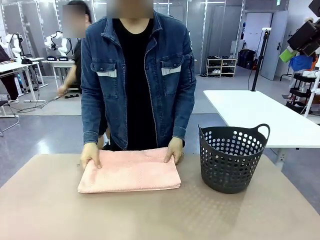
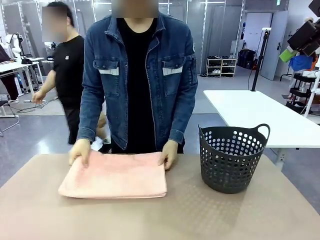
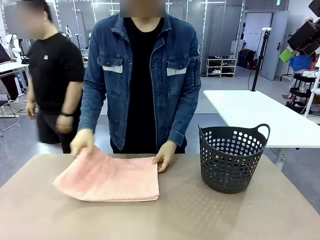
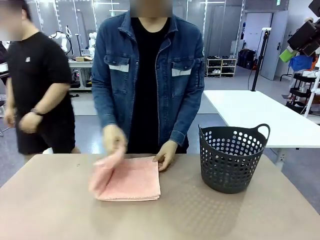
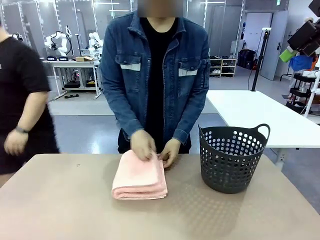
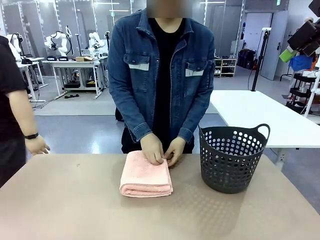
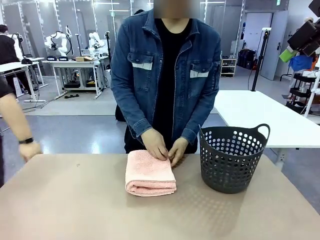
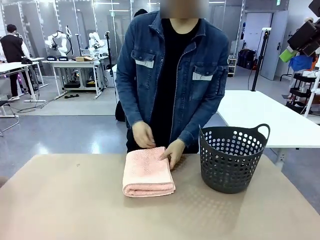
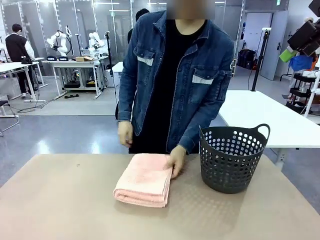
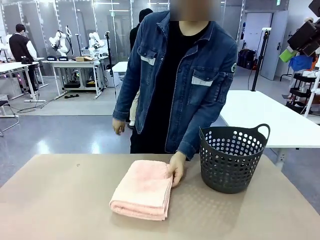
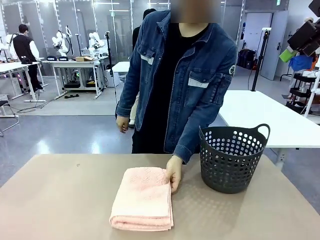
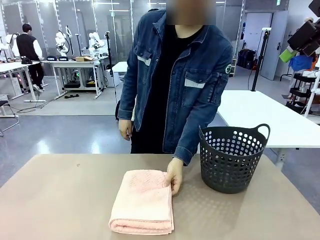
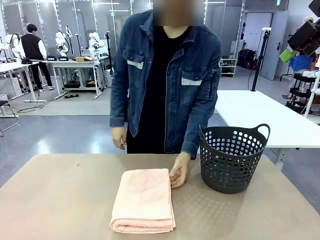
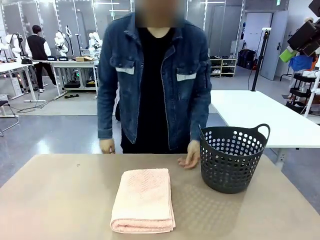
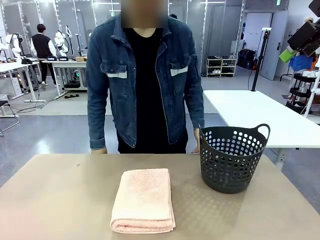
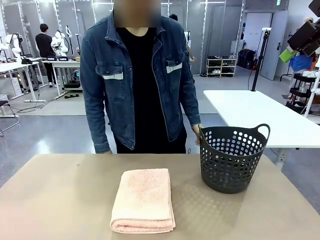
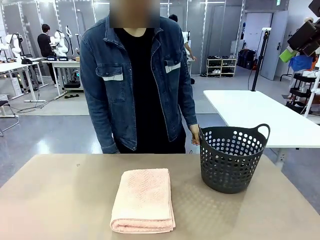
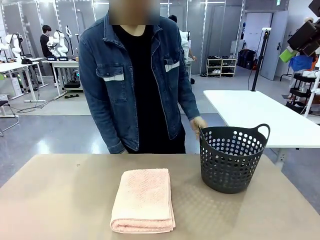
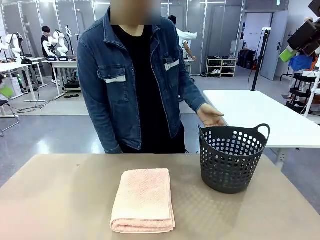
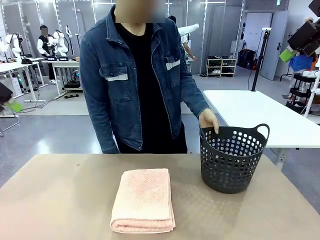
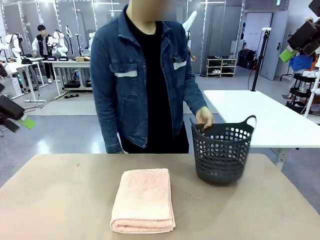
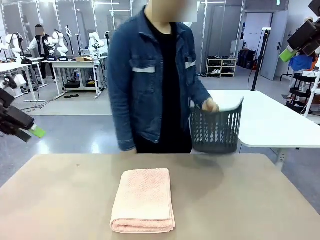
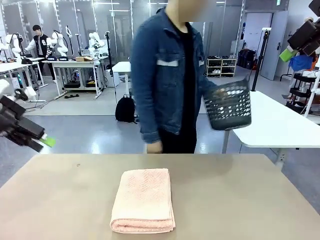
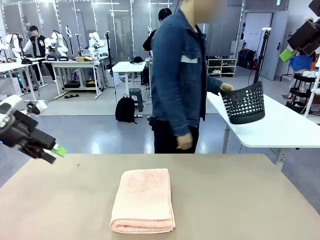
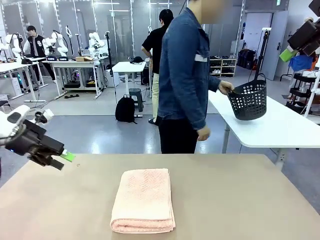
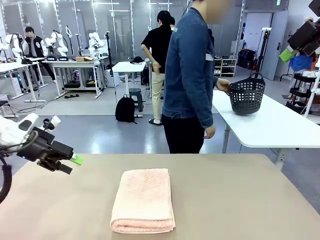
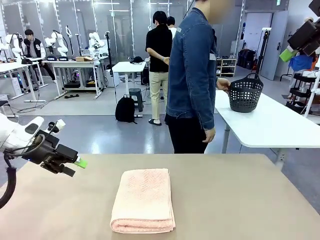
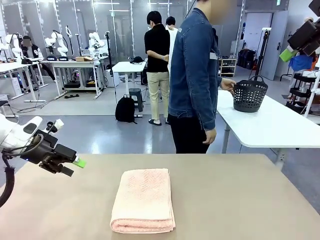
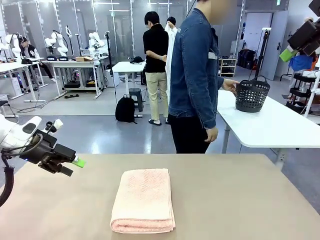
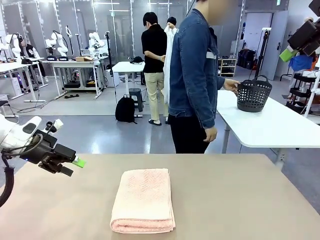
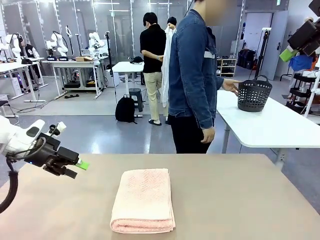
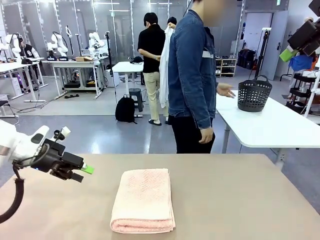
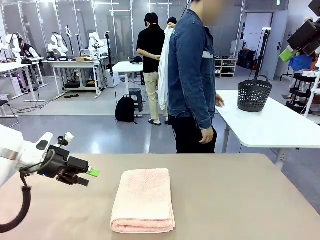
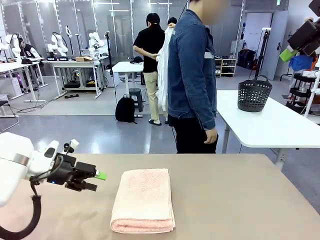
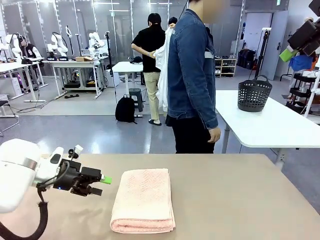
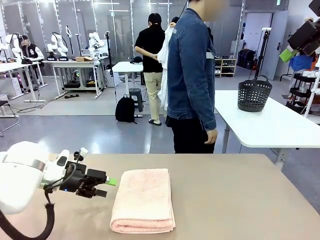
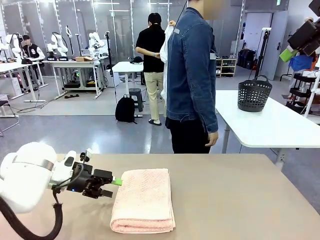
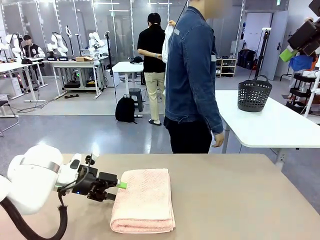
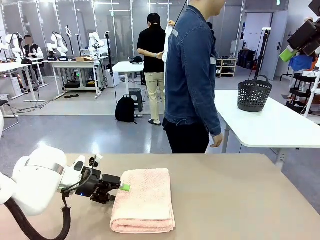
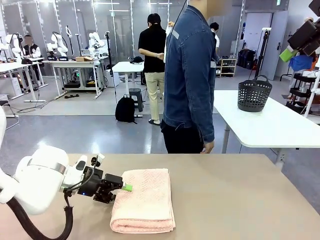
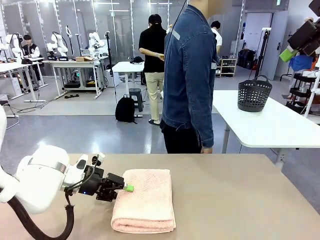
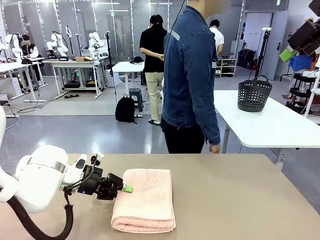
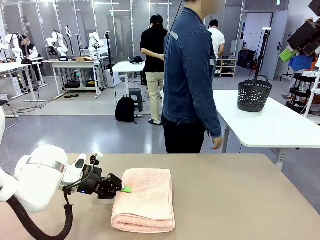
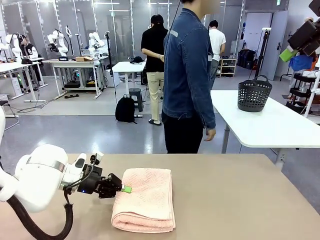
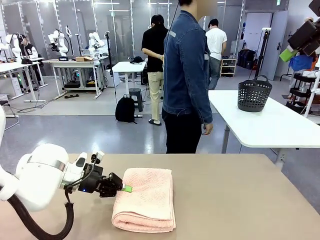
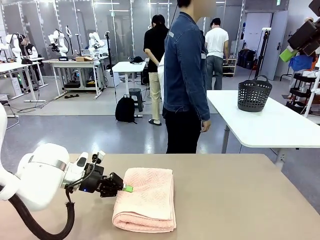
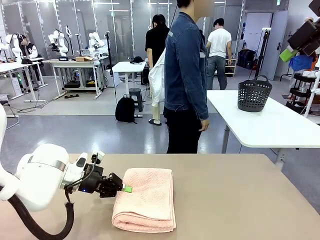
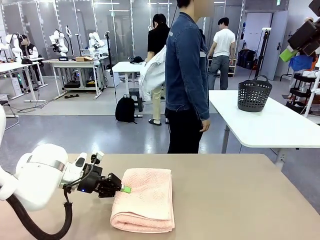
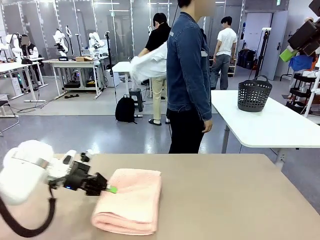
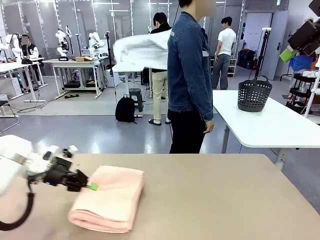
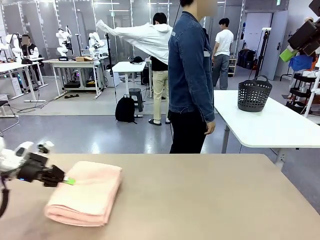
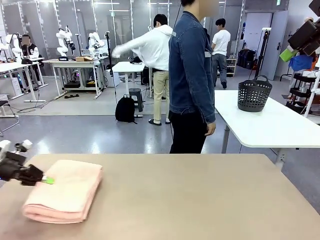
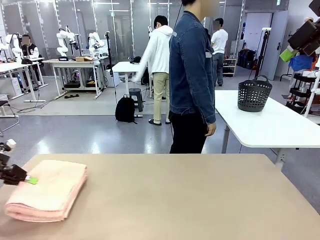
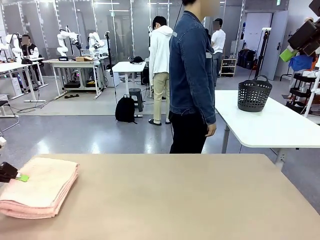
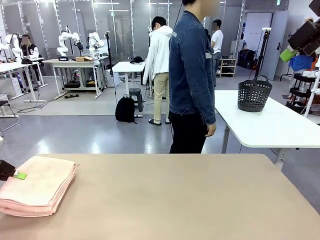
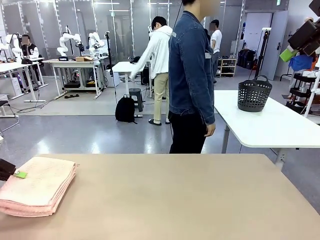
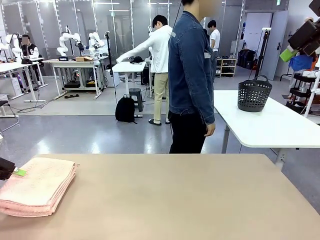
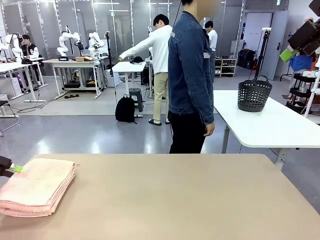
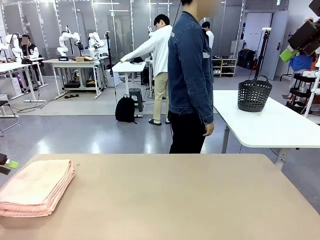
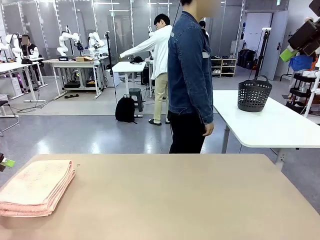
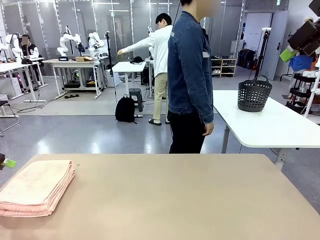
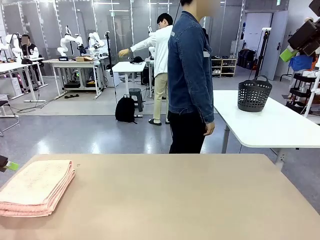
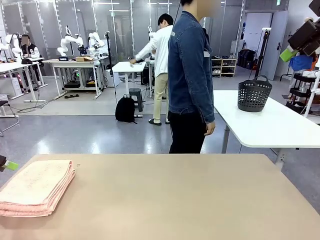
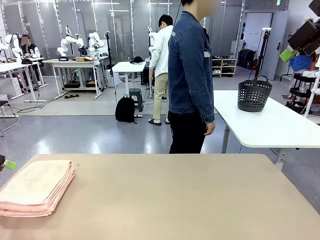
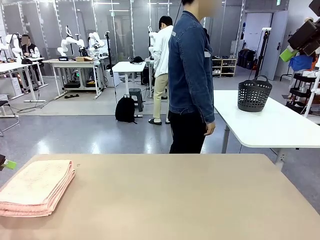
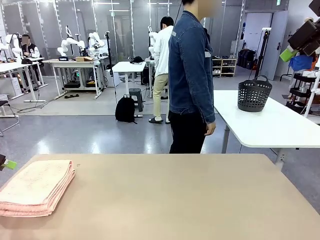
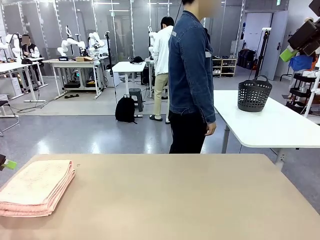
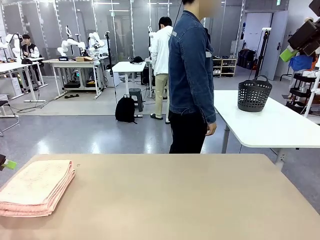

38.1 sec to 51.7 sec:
Task: Fold the towel.
Robot: Pick up the 100 cm Hotel Towel and place it on the left side of the table.
Person: Pick up the laundry basket and place it at the center of the human table.
